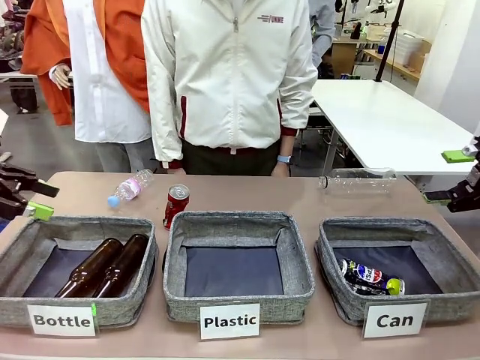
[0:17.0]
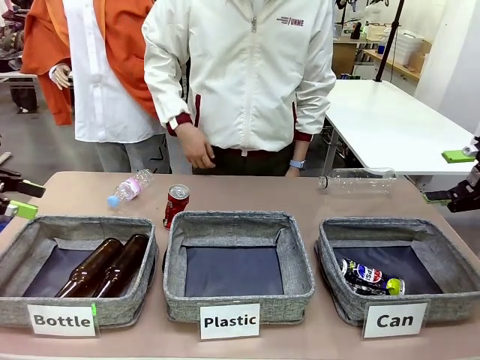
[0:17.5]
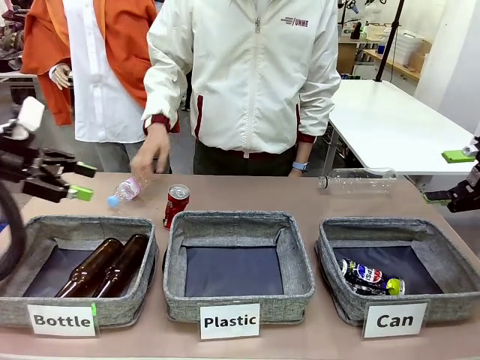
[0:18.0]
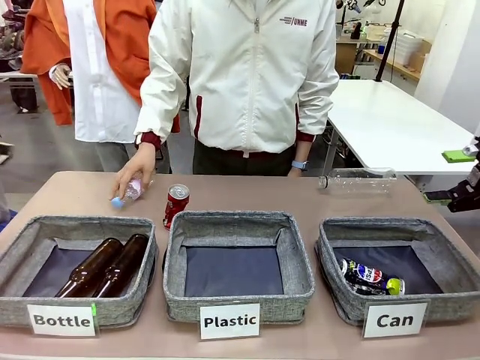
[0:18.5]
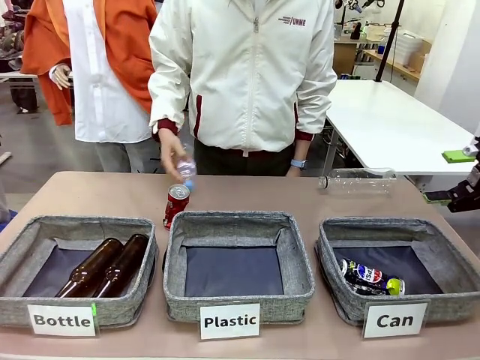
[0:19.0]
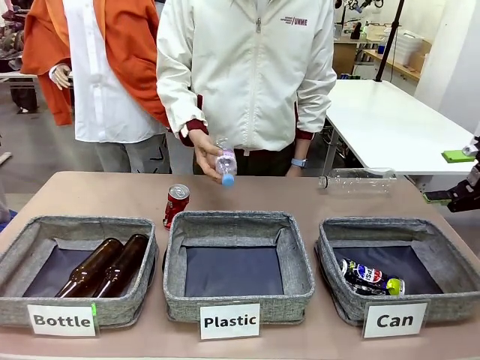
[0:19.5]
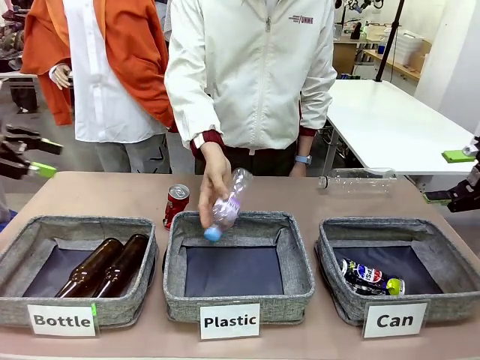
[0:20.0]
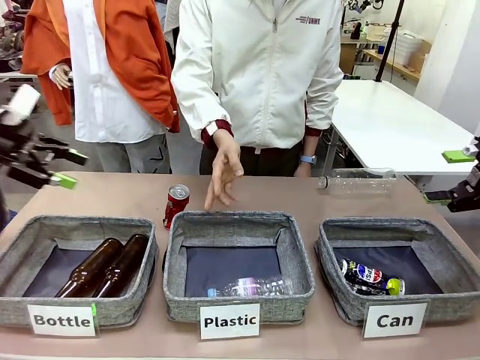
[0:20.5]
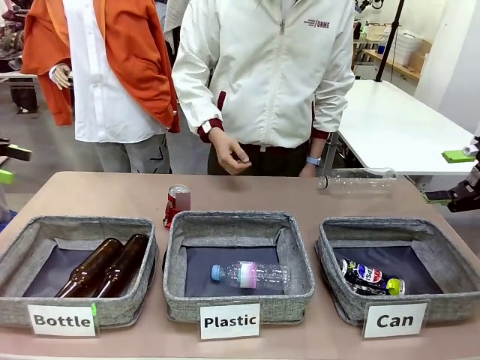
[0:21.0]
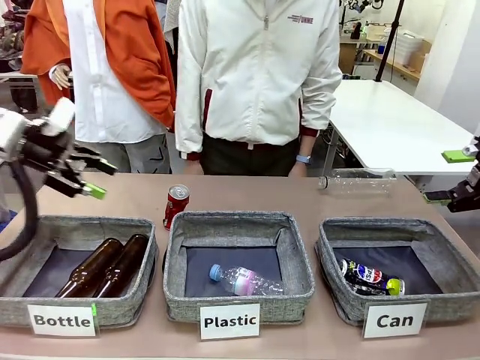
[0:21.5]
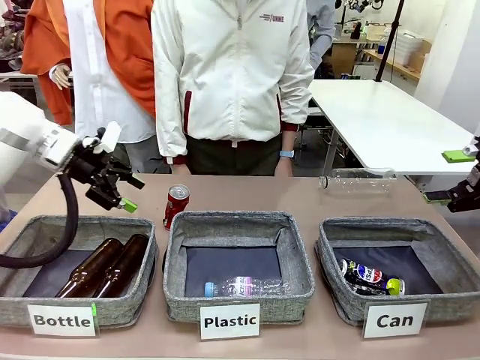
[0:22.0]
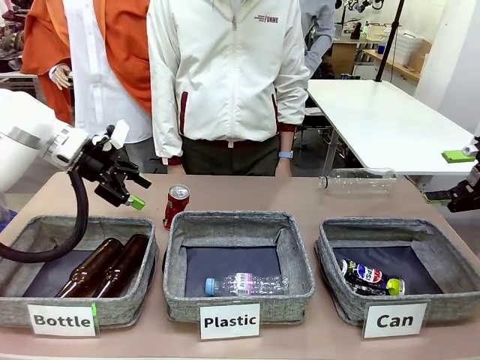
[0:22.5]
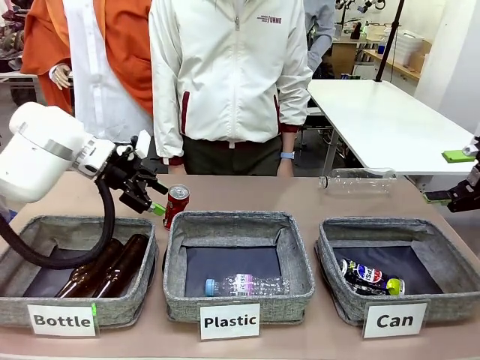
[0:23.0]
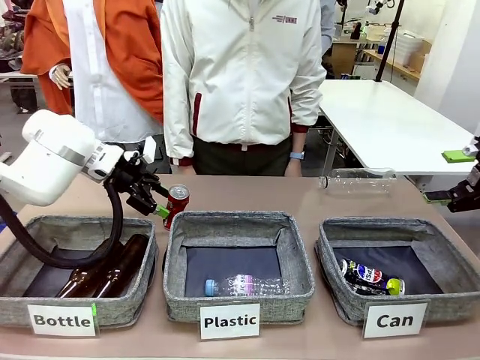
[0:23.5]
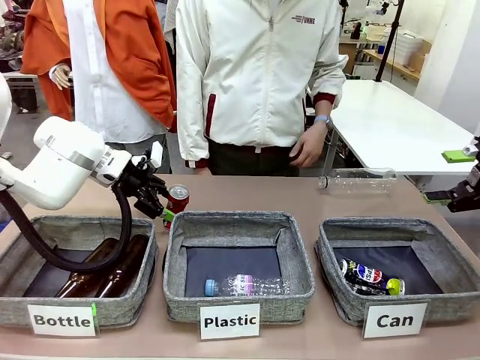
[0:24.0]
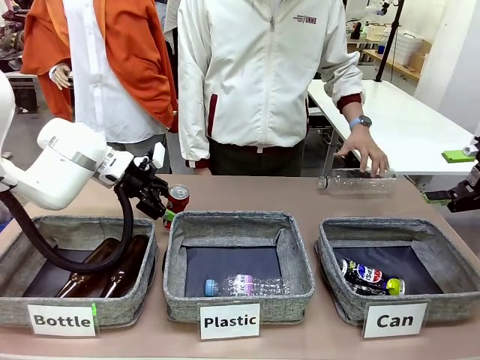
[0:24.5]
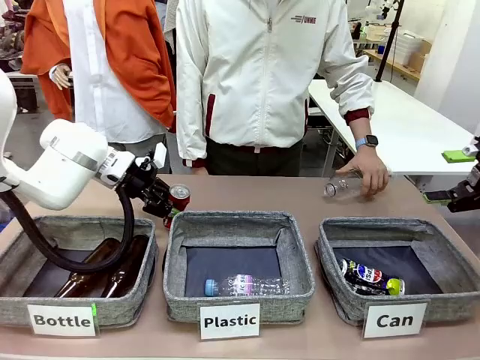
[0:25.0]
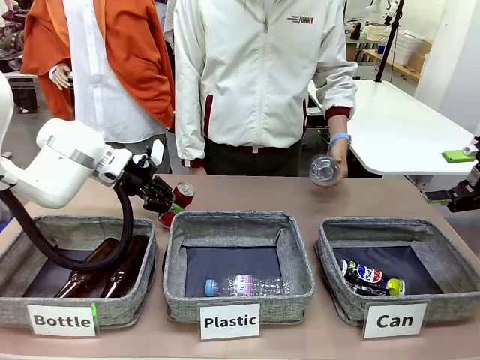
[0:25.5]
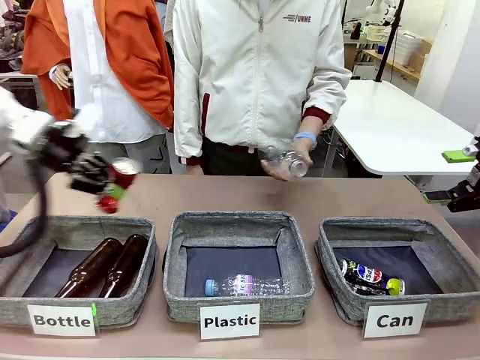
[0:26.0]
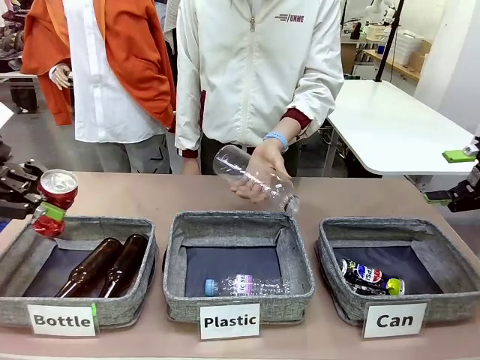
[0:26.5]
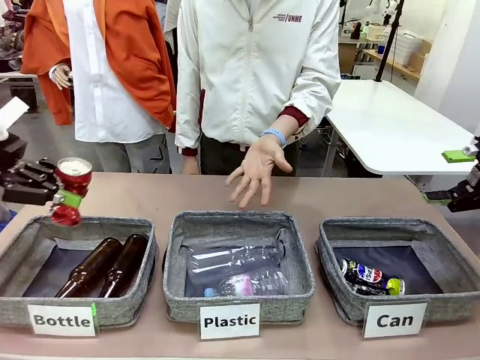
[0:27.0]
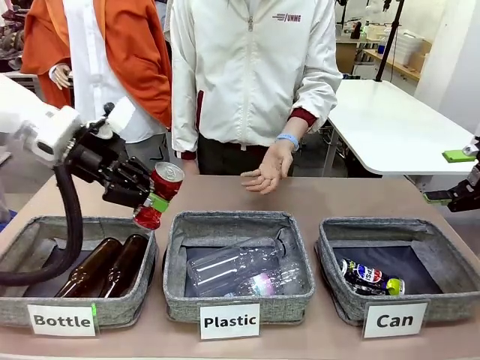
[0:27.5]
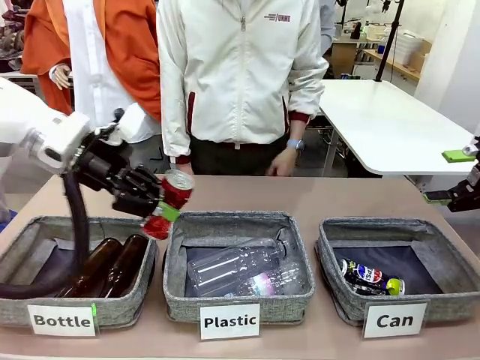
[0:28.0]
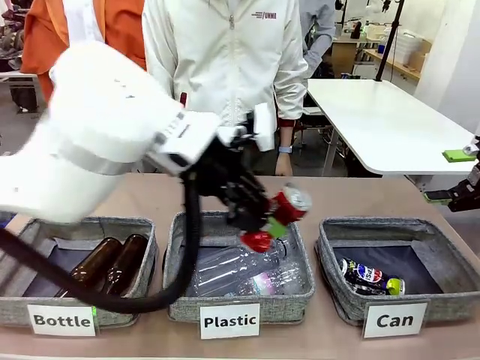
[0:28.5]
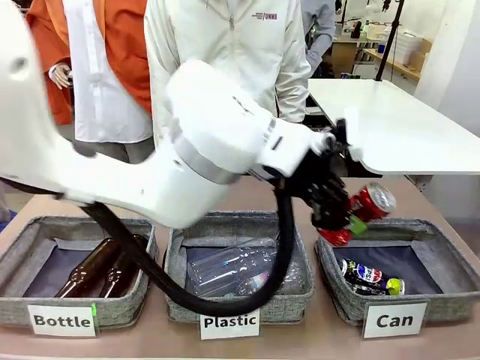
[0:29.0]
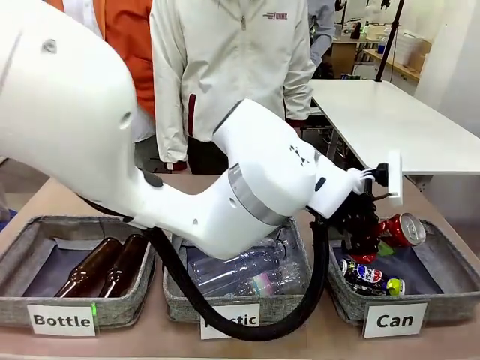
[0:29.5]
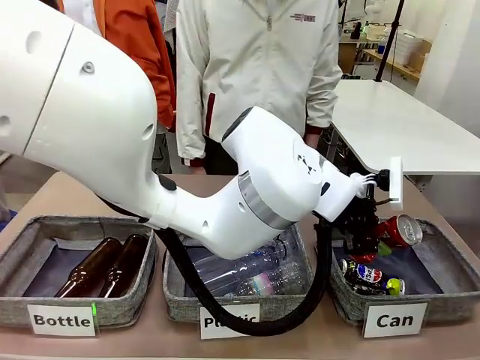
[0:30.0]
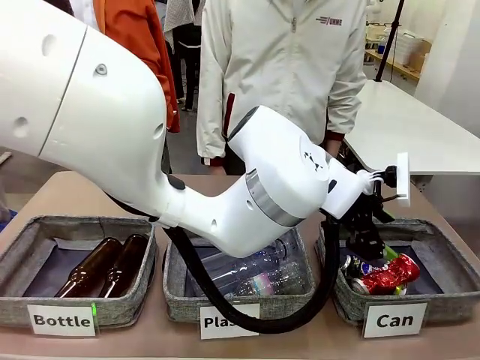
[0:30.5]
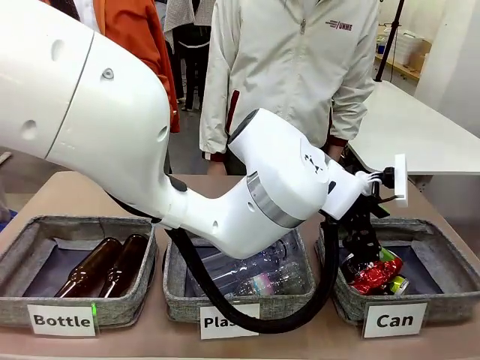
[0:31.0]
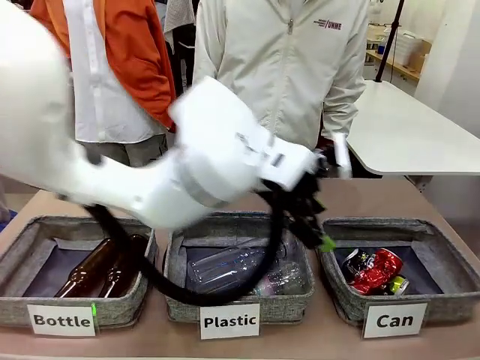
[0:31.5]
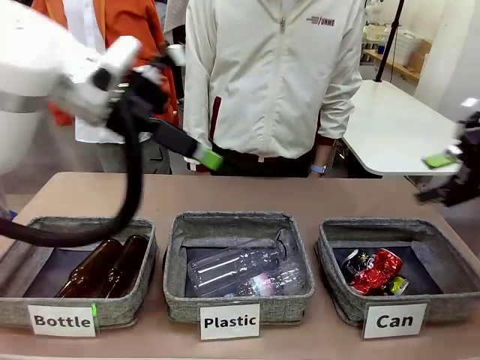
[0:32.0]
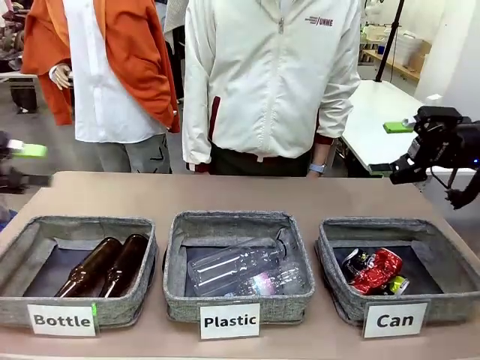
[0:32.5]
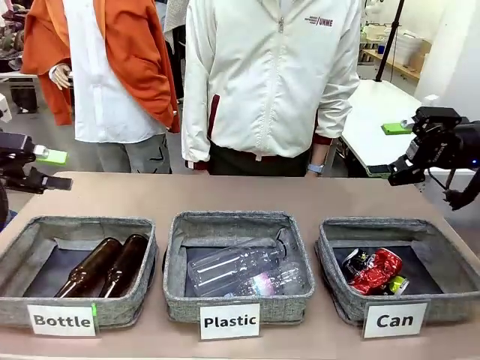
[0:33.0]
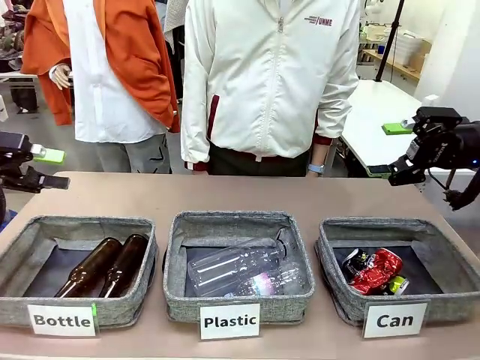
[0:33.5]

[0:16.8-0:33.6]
Task: Sort the can waste into the basket.
Robot: Pick up the can waste from the table and place it in the right Fabric basket.

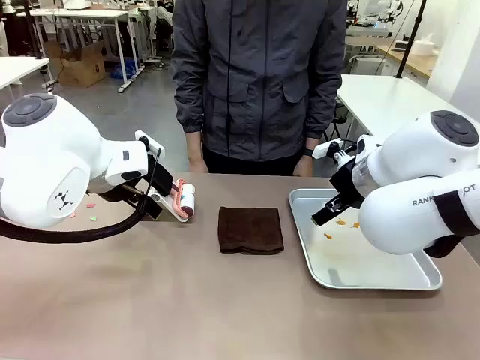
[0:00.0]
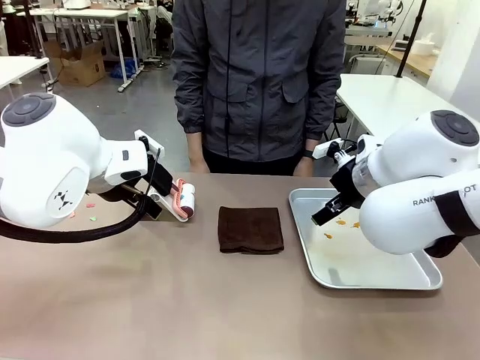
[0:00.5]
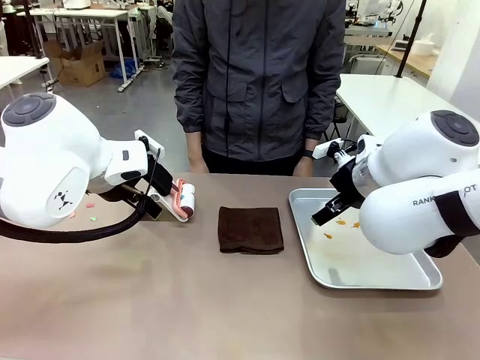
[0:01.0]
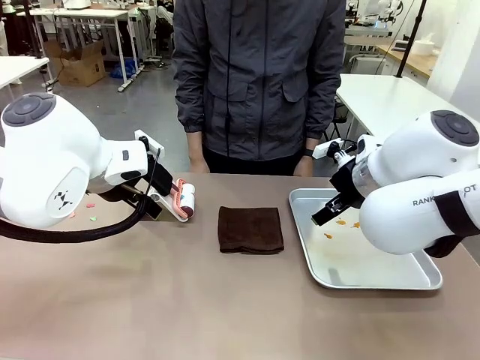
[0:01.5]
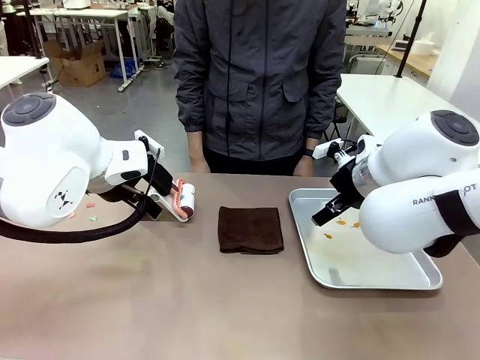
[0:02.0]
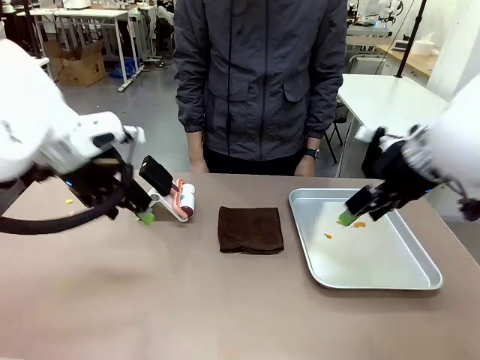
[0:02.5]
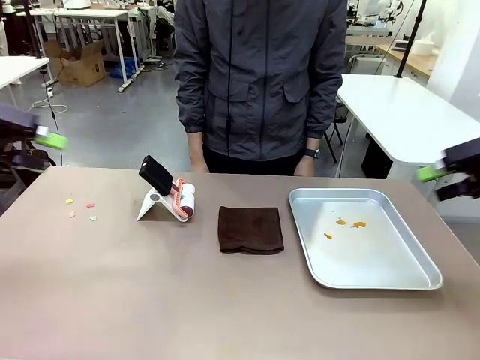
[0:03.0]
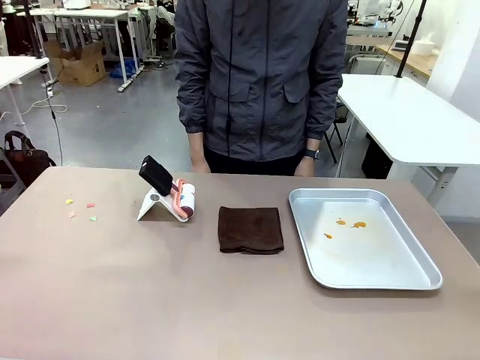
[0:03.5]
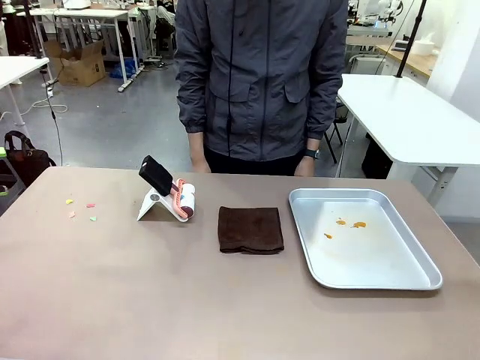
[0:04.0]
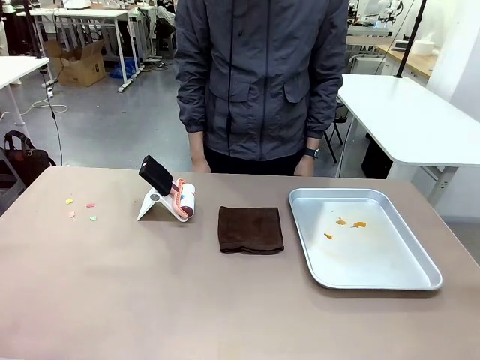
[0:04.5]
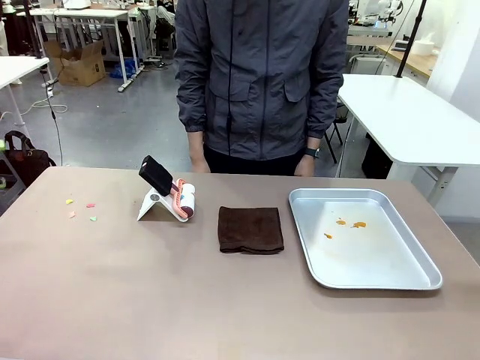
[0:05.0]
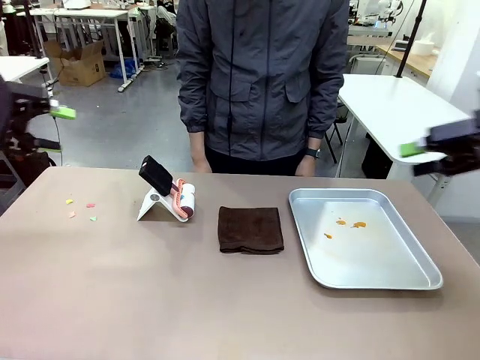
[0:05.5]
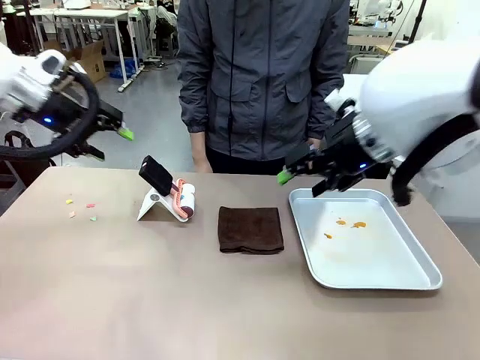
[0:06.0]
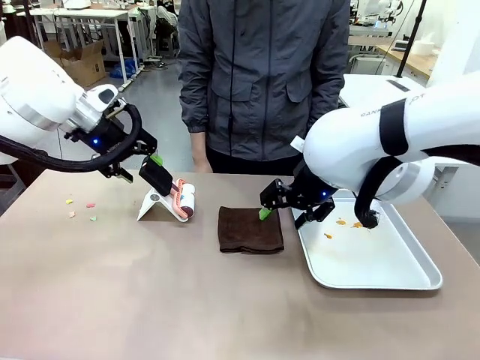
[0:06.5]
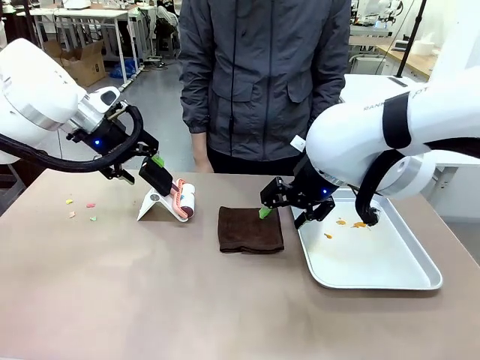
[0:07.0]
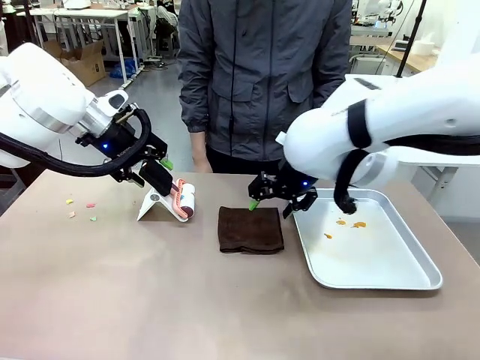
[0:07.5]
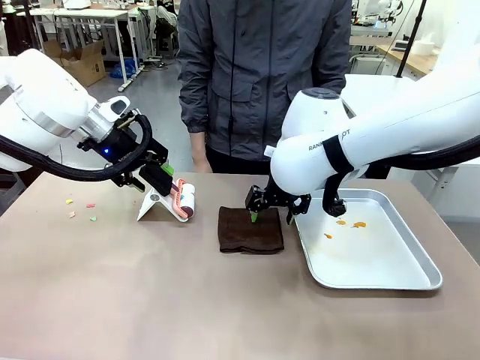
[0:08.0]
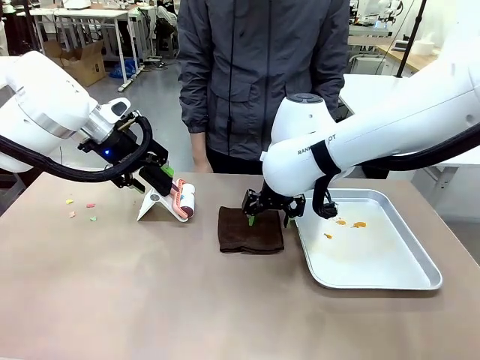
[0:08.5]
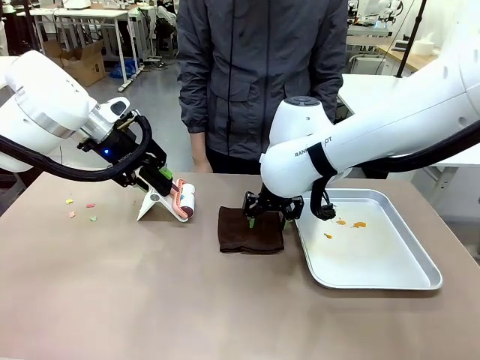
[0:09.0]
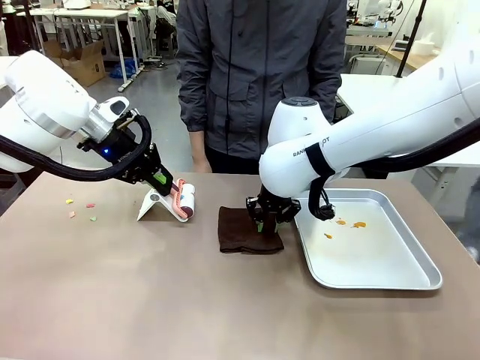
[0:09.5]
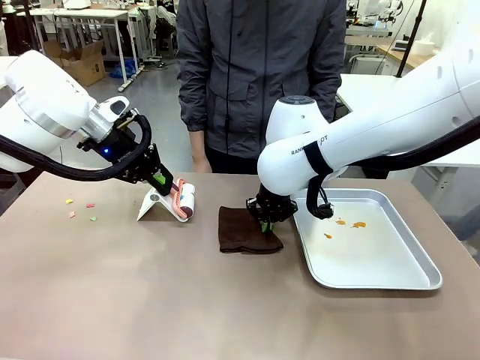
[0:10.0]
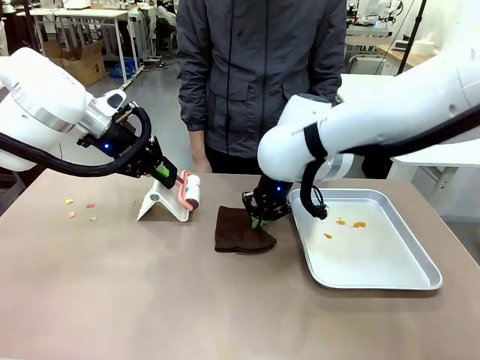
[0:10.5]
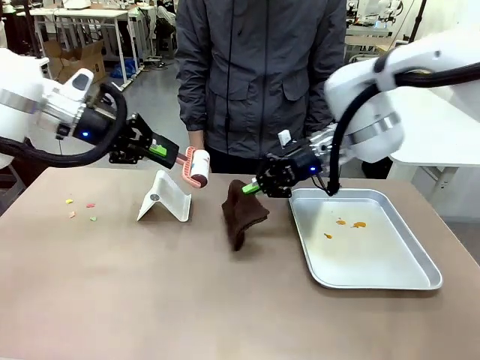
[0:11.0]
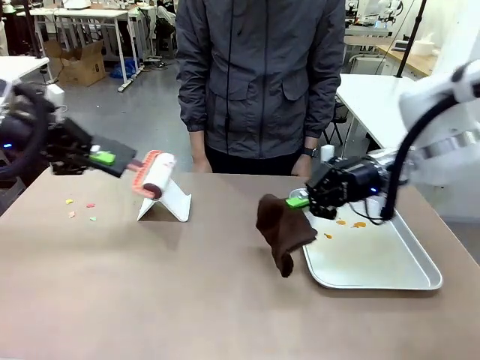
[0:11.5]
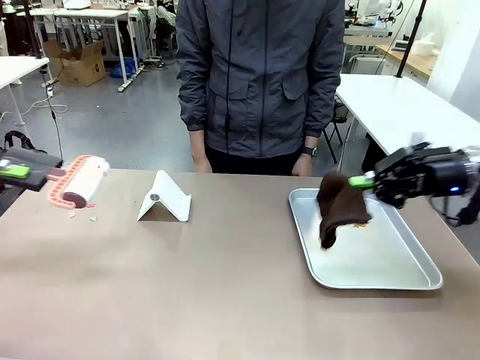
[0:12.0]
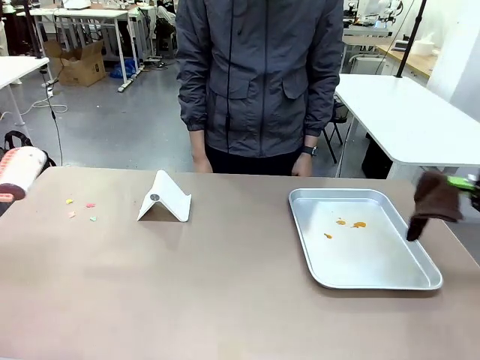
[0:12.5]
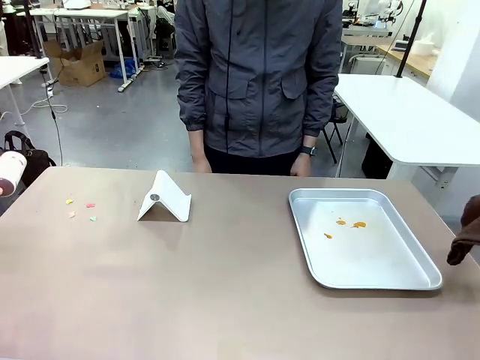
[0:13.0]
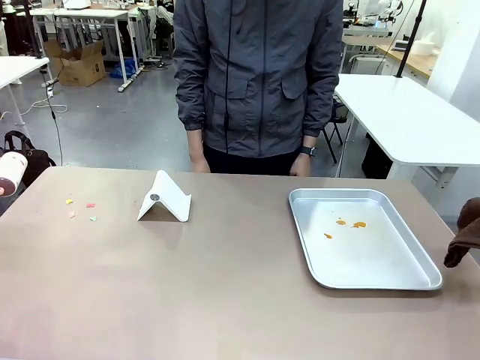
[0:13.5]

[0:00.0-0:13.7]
Task: Clean the surface of the table.
Robot: Hold the Lint Roller with your left hand and the towel with your right hand.
